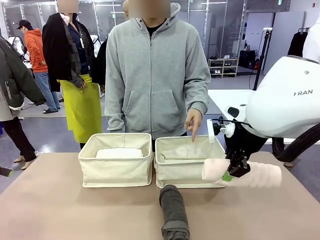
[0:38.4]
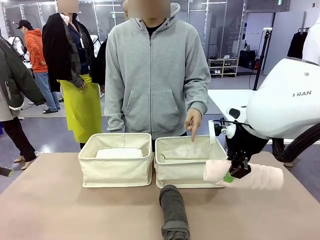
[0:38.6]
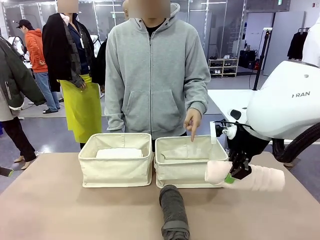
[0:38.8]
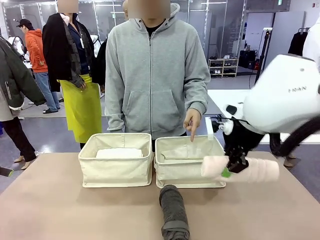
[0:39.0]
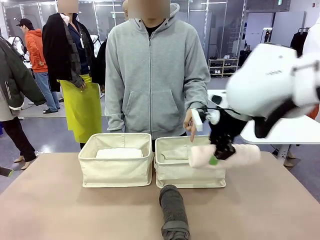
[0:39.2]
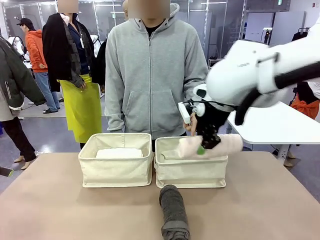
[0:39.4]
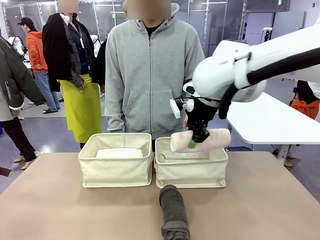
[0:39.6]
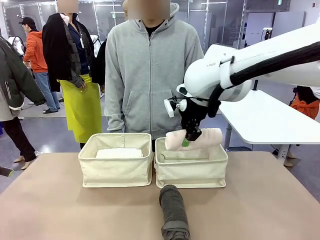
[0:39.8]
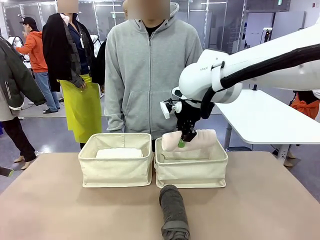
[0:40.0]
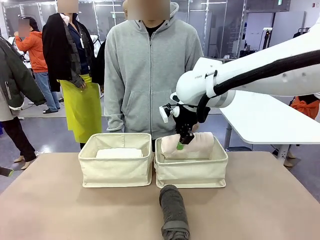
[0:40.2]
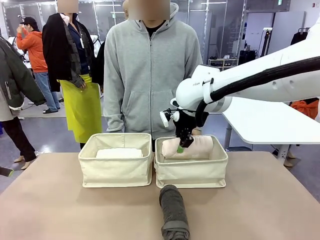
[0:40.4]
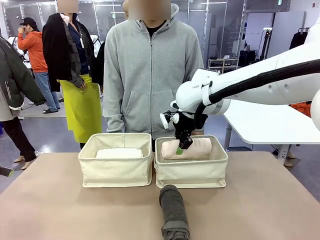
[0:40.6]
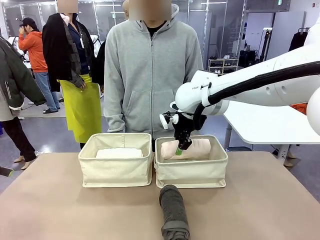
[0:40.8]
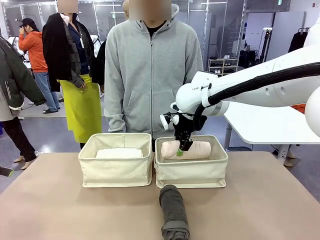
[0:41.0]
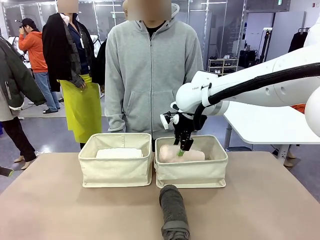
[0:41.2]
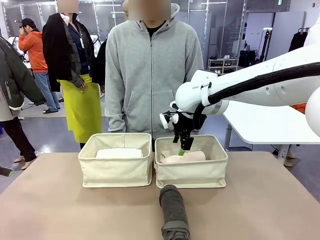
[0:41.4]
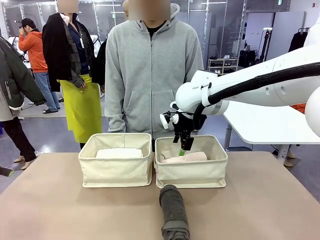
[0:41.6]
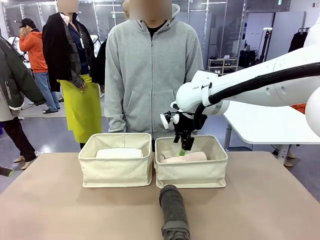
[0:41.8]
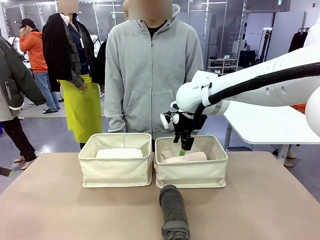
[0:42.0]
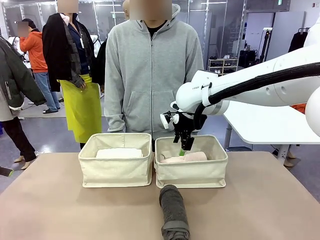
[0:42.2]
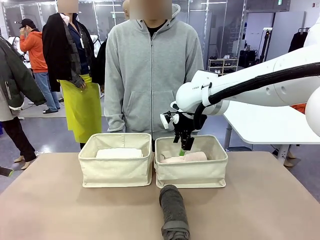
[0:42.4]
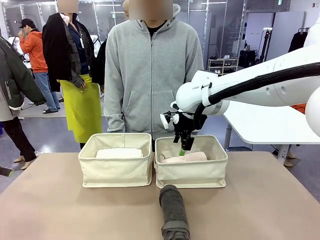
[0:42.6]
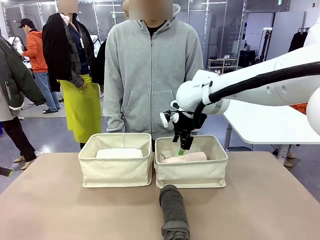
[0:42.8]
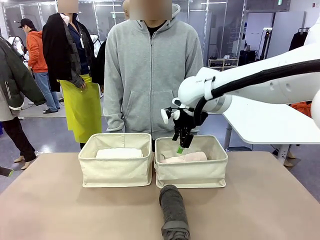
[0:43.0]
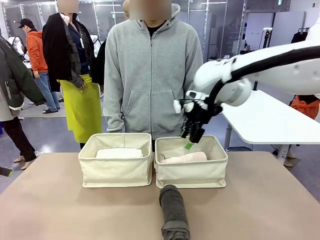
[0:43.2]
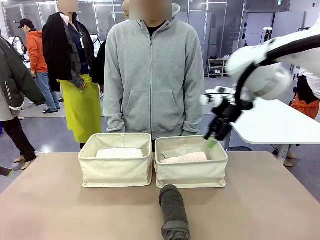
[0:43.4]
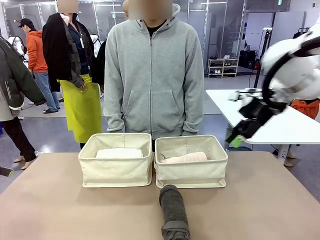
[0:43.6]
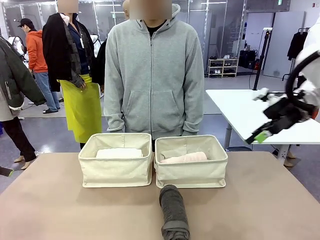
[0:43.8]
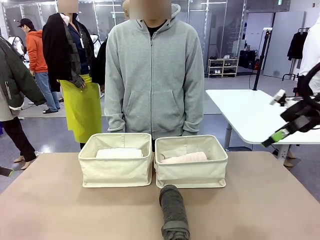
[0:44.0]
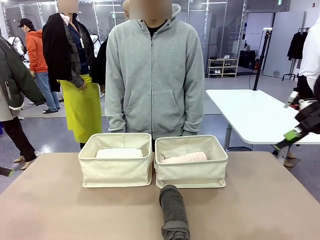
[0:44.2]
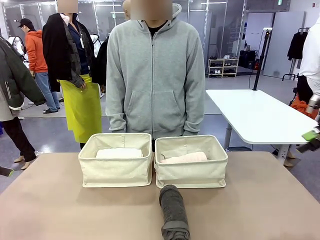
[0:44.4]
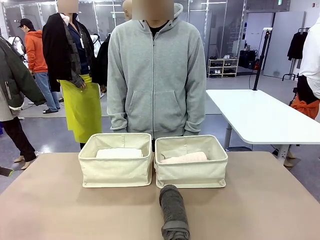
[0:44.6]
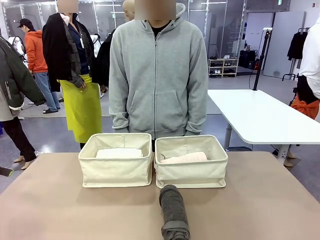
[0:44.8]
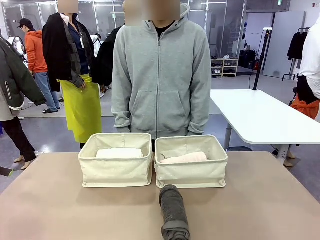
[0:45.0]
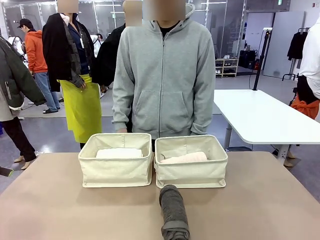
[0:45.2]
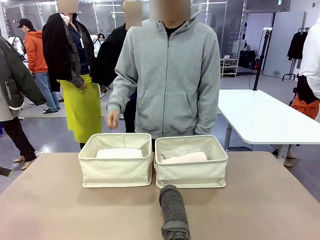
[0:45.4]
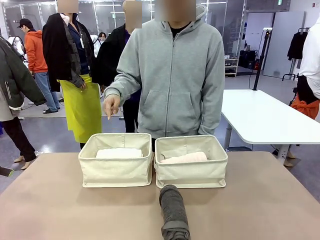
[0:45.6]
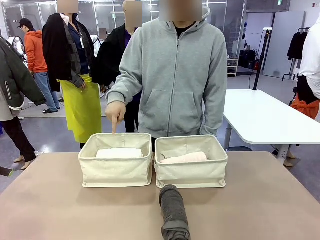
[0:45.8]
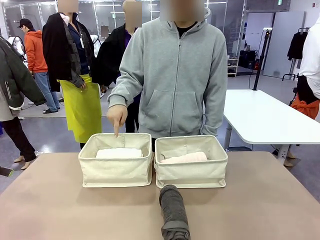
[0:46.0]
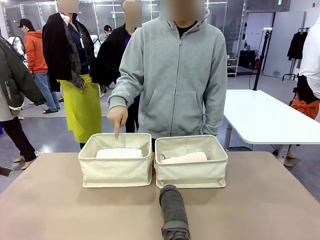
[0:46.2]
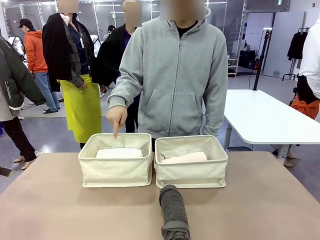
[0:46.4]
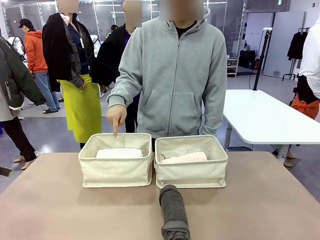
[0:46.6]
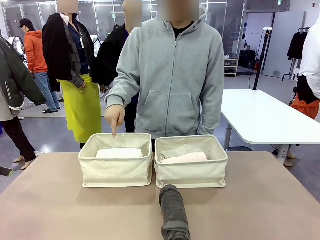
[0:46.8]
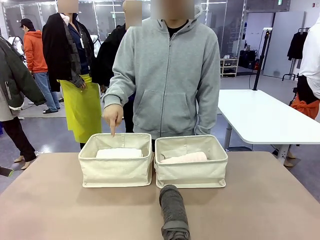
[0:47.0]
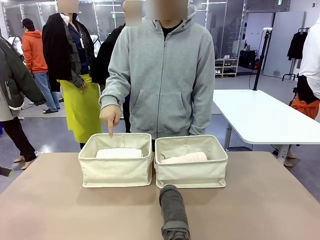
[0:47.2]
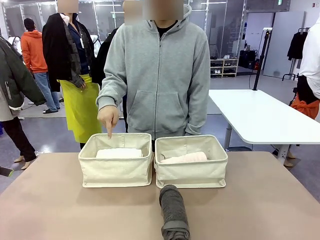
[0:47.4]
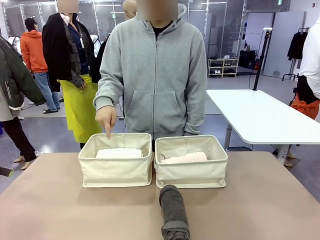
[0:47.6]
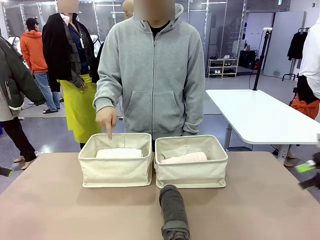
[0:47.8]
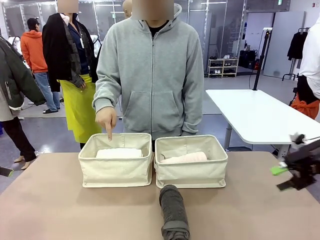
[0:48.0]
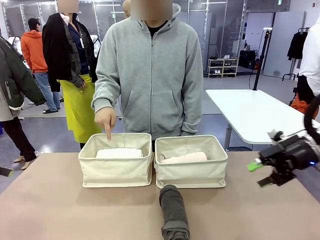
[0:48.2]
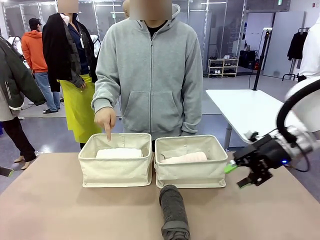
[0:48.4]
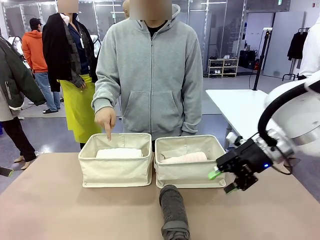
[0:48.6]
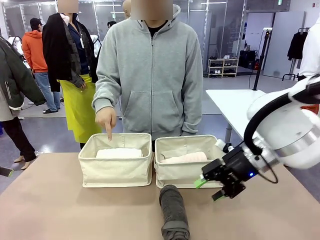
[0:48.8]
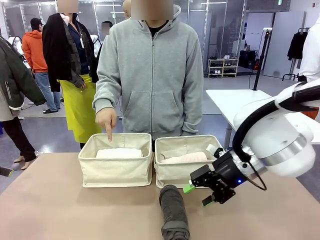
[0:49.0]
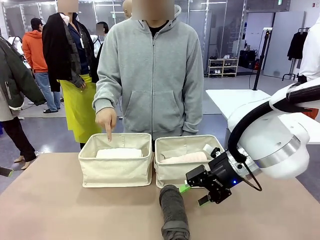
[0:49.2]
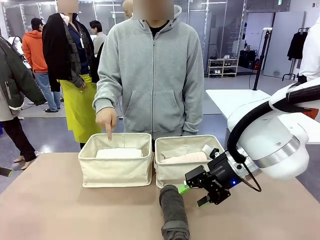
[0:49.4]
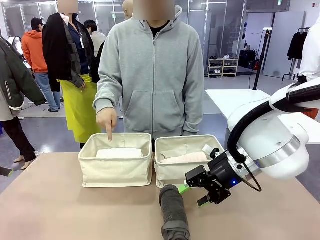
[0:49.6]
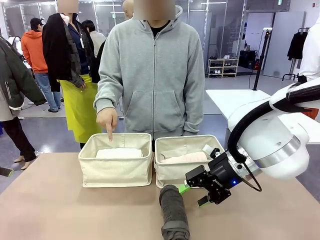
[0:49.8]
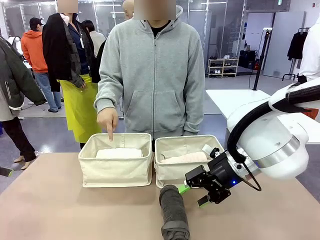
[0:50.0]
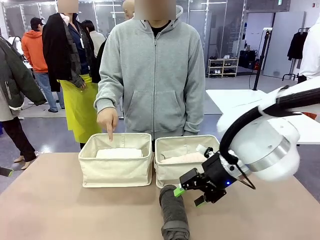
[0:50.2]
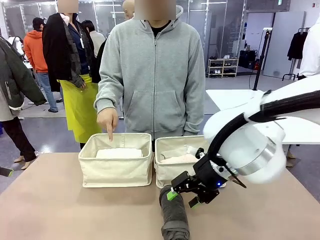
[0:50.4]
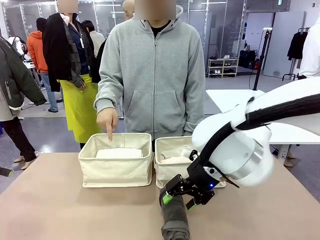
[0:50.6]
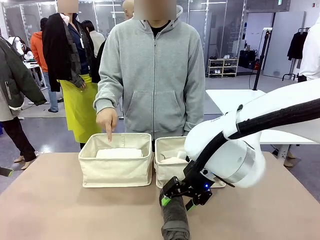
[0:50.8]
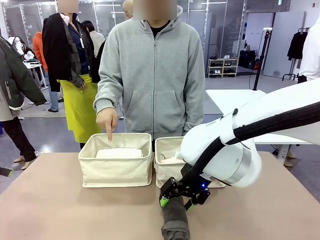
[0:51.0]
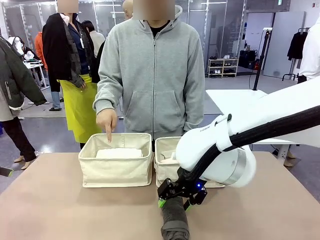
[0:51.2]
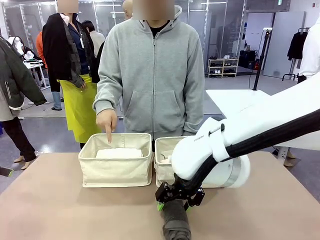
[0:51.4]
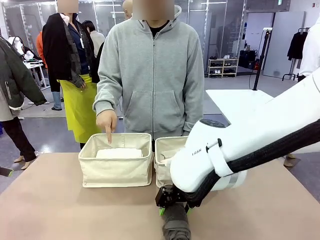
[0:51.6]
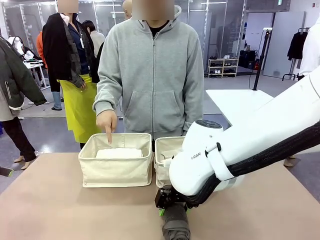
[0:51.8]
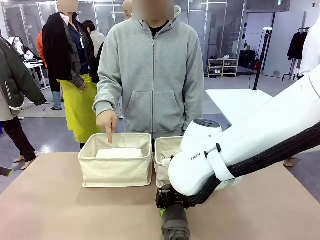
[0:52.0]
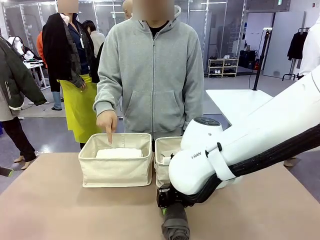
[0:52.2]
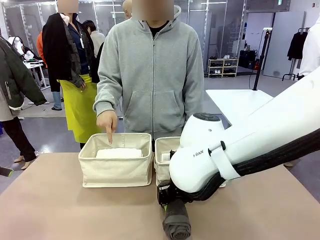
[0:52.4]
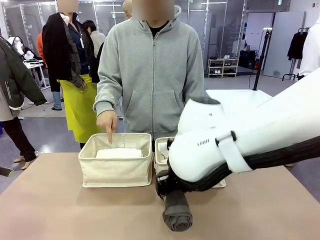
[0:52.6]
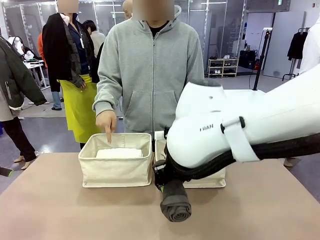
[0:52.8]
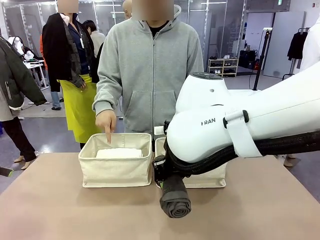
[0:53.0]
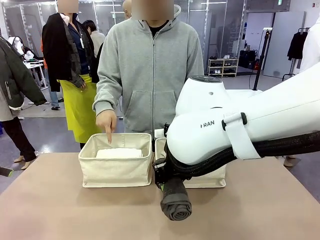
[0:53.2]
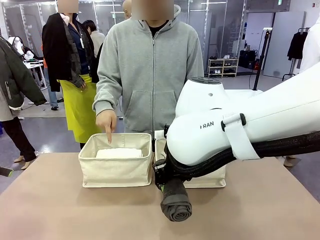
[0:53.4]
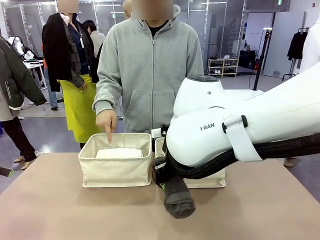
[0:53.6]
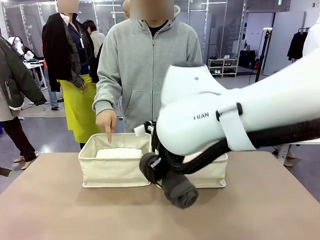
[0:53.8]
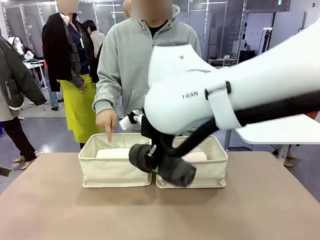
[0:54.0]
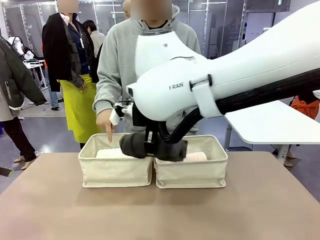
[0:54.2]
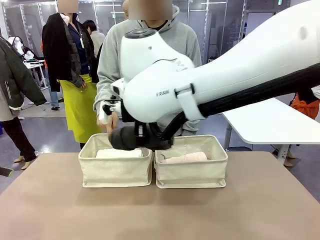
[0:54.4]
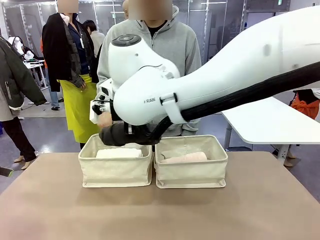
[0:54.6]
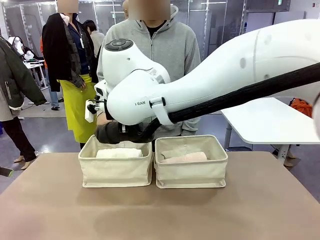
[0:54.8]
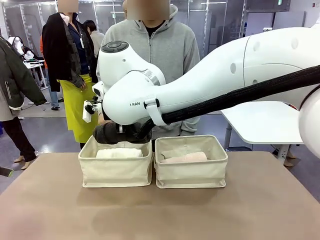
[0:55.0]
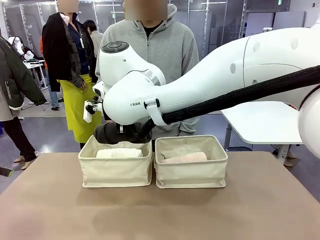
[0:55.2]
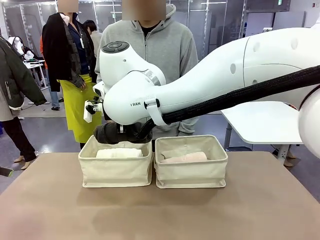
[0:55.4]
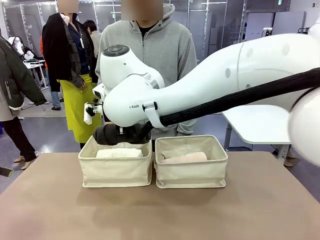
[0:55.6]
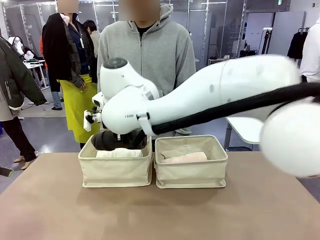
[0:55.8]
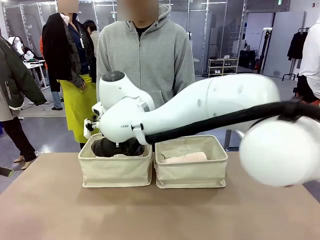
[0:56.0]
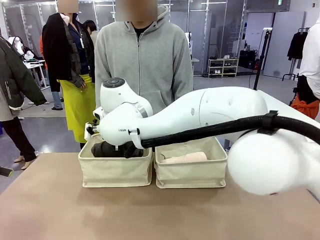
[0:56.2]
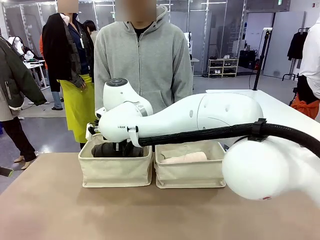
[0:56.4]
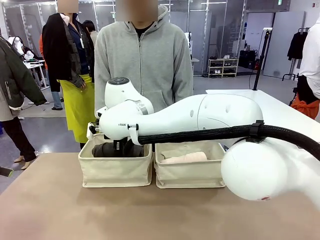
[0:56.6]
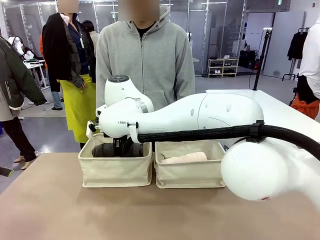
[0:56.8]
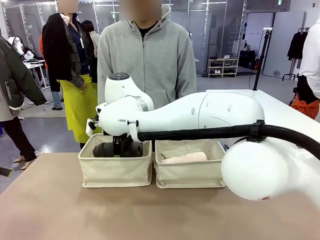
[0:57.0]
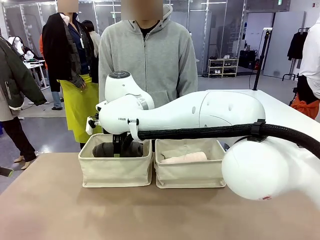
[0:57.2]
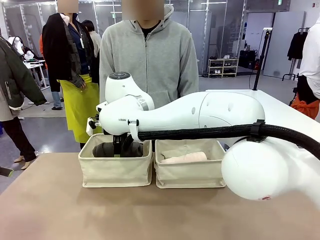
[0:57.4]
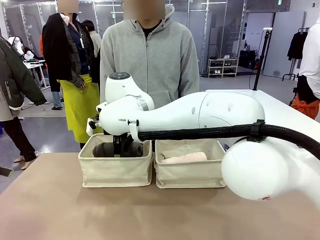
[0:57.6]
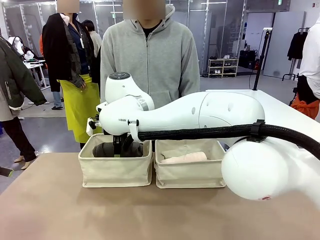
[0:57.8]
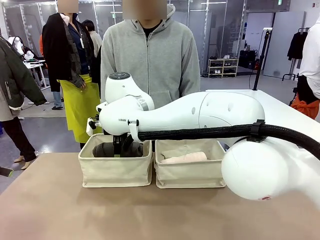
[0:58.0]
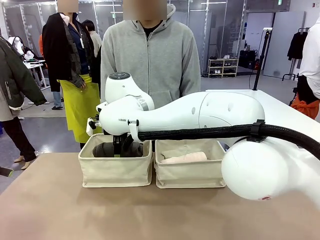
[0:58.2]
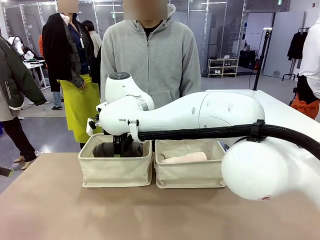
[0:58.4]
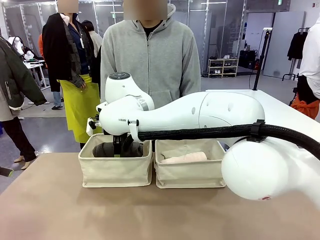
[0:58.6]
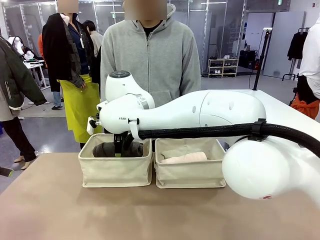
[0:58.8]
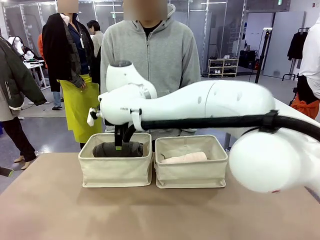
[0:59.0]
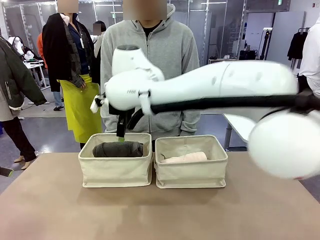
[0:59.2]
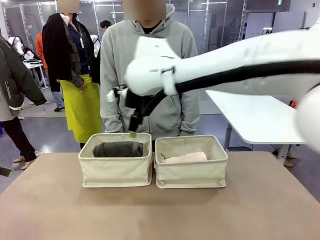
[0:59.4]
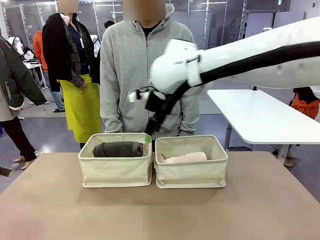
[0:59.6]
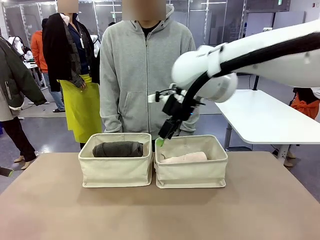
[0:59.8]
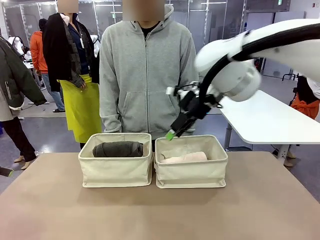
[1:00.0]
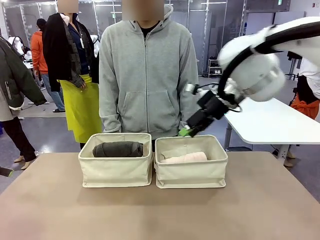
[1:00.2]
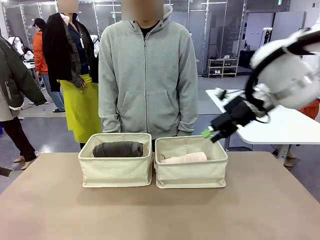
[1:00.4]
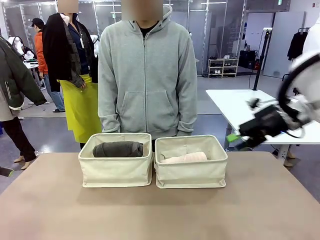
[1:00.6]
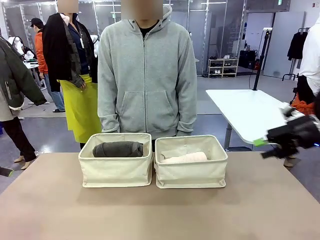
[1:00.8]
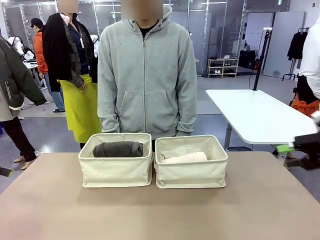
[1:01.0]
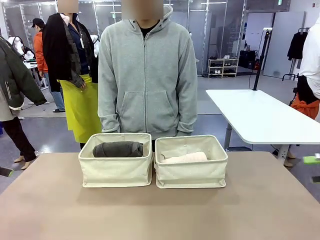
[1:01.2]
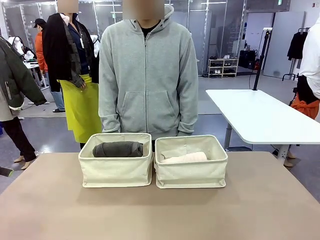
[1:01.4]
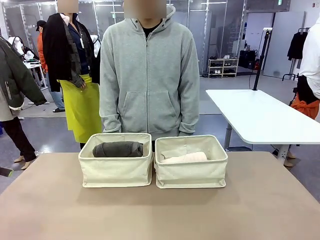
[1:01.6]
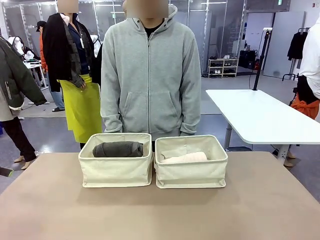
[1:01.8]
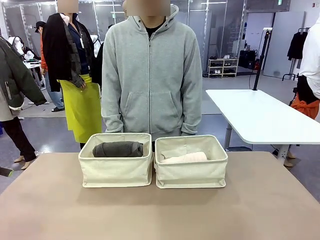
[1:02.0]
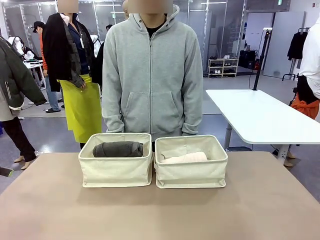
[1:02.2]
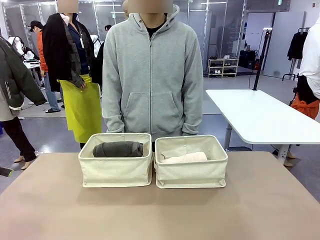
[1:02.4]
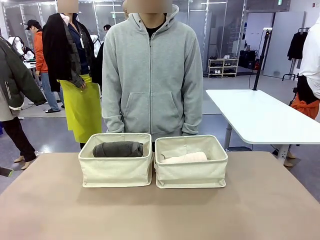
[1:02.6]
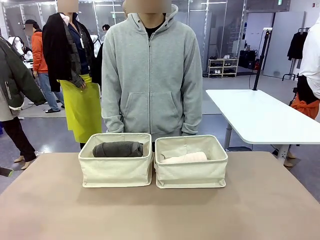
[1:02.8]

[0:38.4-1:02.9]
Task: Divide the towels into two baskets.
Robot: Pick up one hotel-folded towel from the bottom of the table and place it in the Fabric basket indicated by the person.
